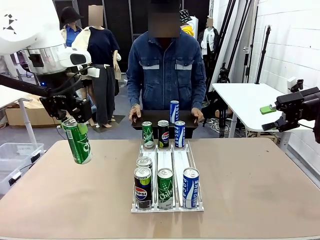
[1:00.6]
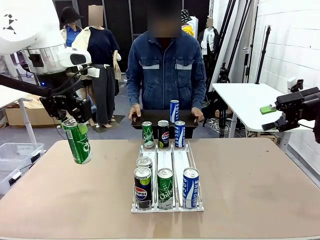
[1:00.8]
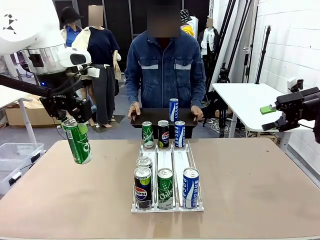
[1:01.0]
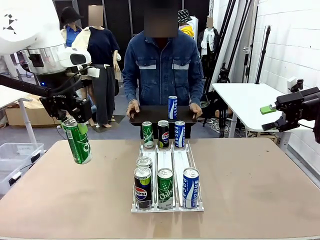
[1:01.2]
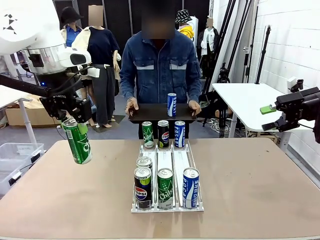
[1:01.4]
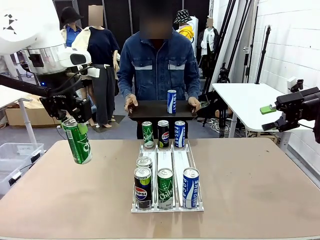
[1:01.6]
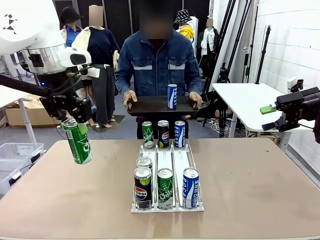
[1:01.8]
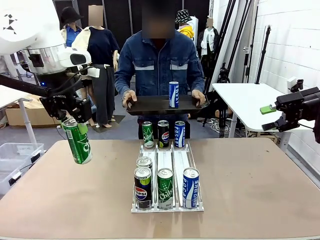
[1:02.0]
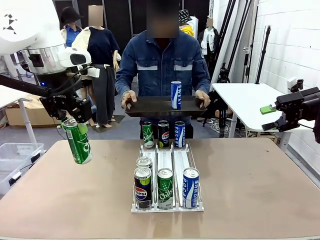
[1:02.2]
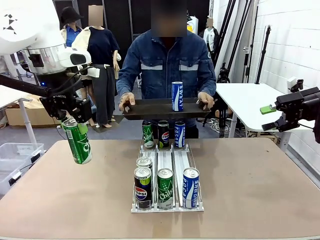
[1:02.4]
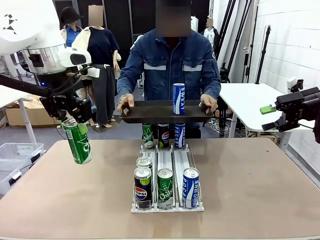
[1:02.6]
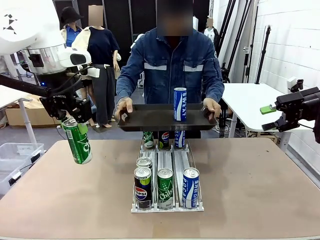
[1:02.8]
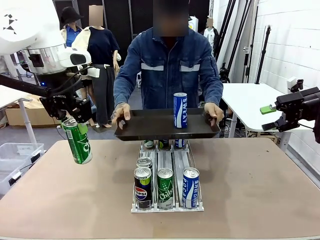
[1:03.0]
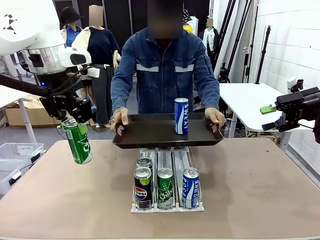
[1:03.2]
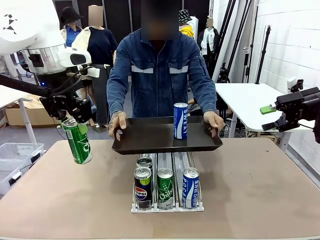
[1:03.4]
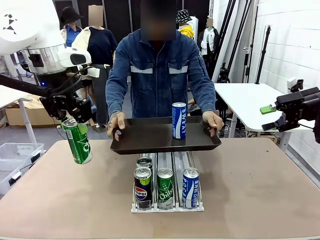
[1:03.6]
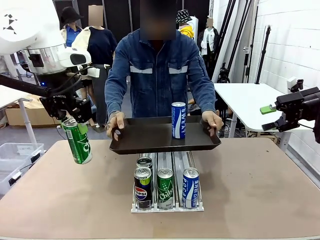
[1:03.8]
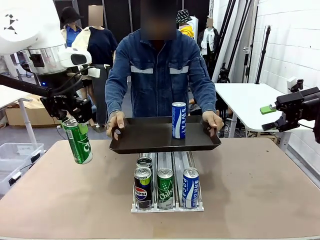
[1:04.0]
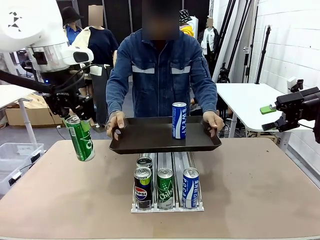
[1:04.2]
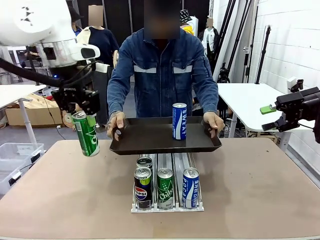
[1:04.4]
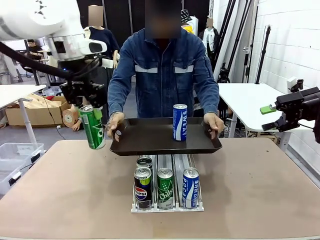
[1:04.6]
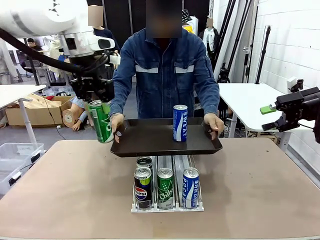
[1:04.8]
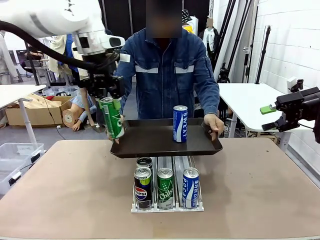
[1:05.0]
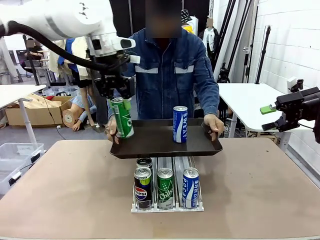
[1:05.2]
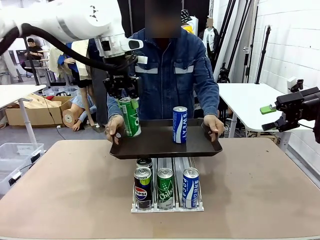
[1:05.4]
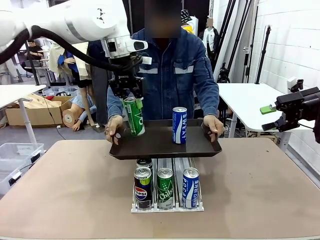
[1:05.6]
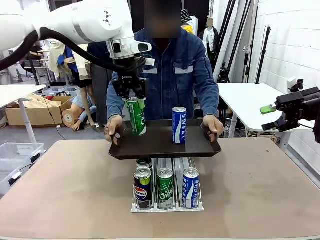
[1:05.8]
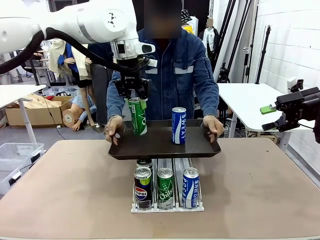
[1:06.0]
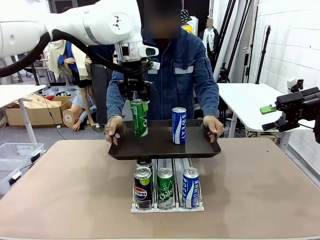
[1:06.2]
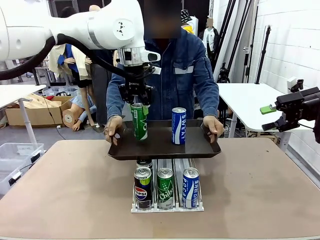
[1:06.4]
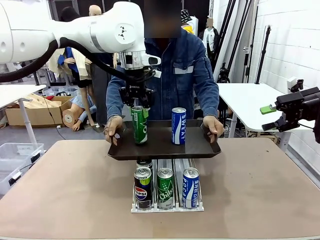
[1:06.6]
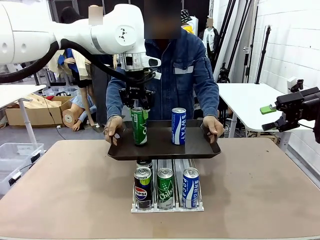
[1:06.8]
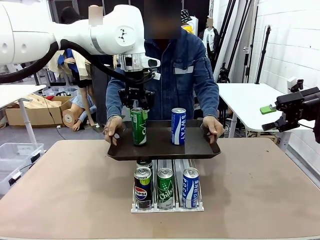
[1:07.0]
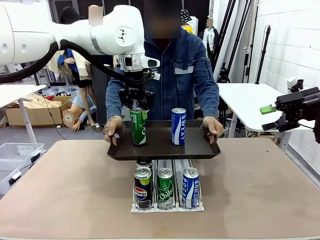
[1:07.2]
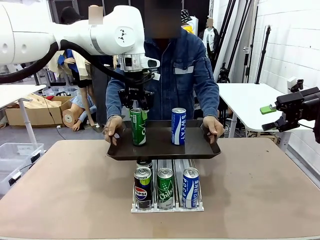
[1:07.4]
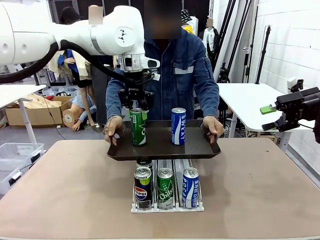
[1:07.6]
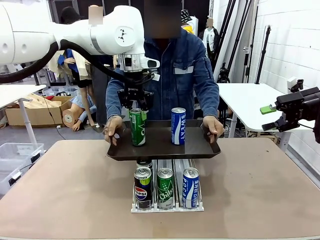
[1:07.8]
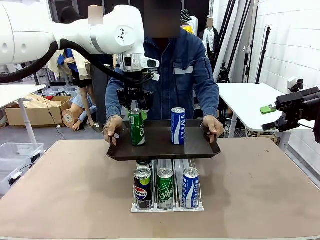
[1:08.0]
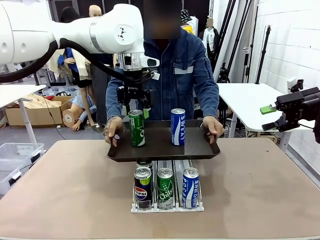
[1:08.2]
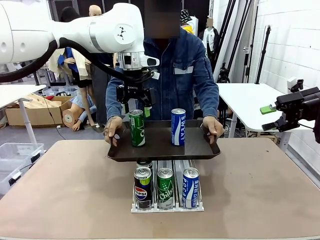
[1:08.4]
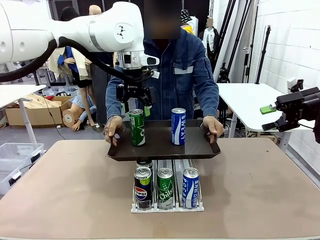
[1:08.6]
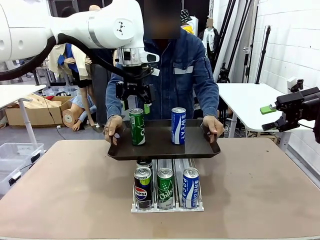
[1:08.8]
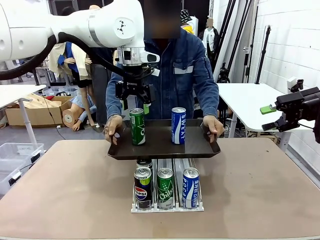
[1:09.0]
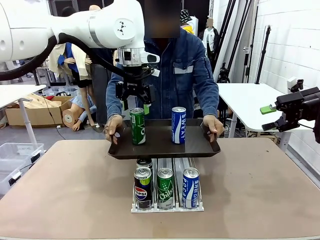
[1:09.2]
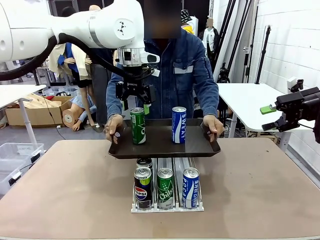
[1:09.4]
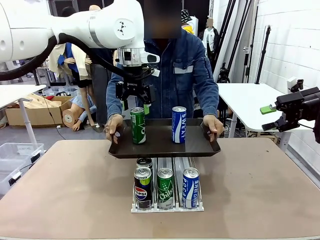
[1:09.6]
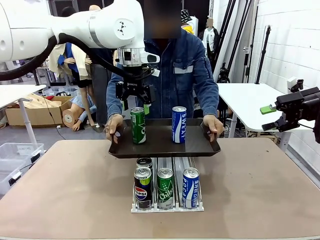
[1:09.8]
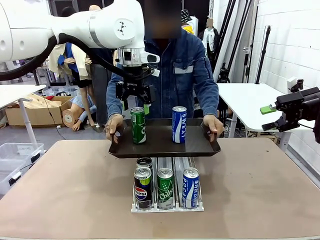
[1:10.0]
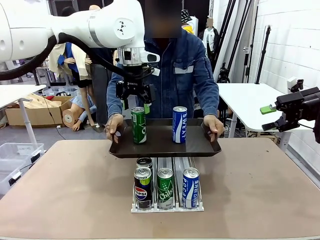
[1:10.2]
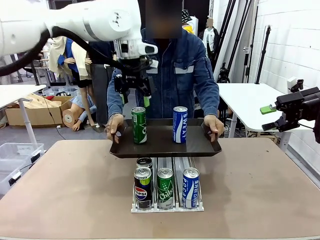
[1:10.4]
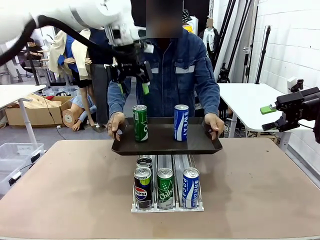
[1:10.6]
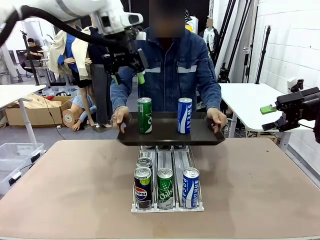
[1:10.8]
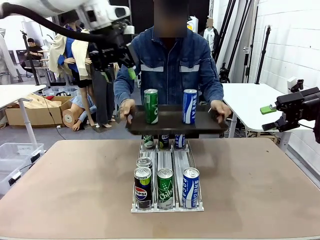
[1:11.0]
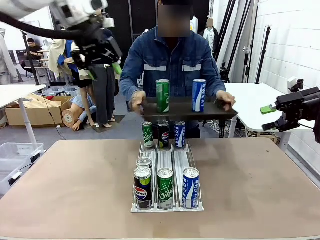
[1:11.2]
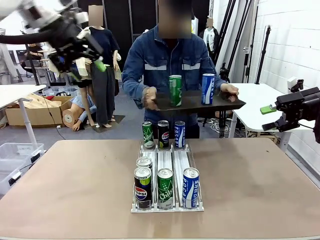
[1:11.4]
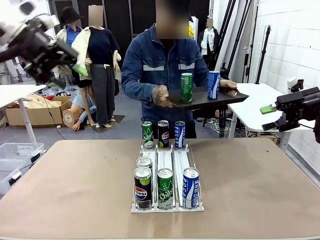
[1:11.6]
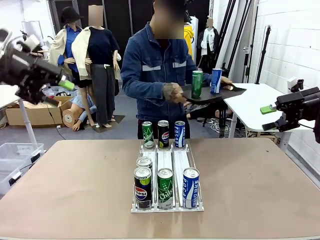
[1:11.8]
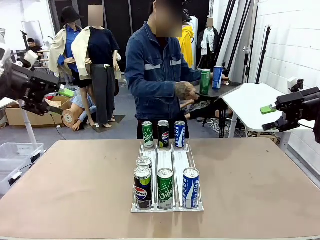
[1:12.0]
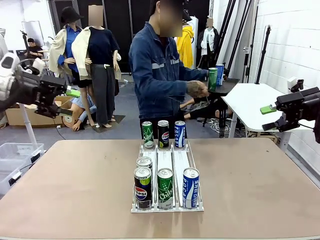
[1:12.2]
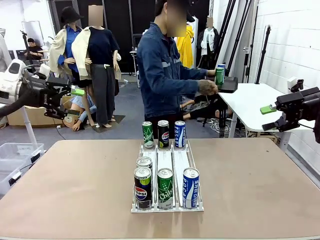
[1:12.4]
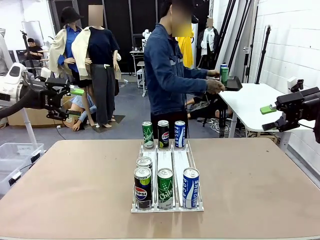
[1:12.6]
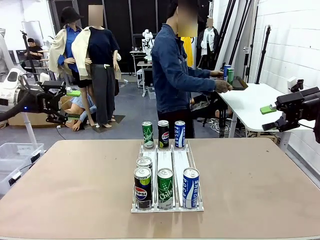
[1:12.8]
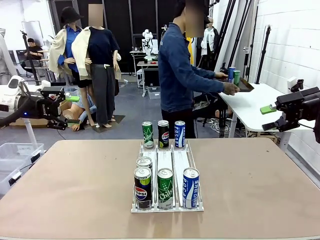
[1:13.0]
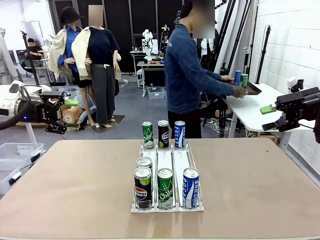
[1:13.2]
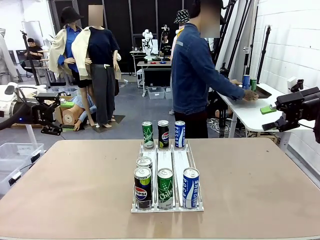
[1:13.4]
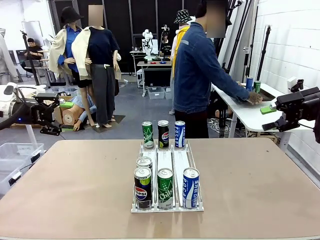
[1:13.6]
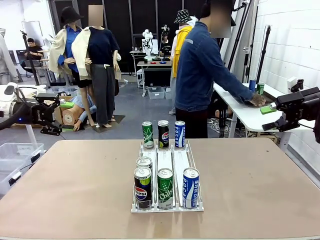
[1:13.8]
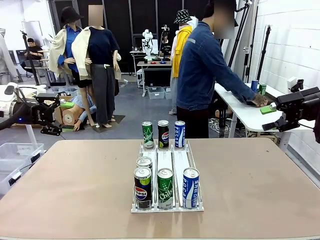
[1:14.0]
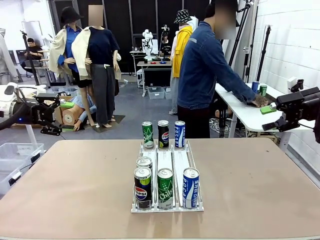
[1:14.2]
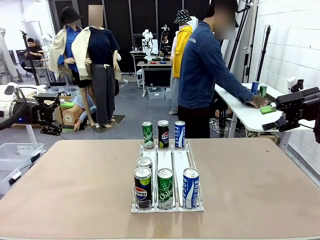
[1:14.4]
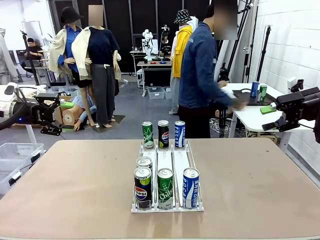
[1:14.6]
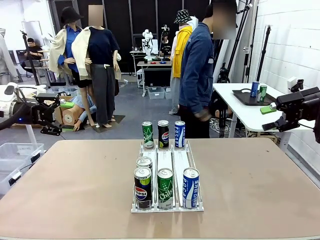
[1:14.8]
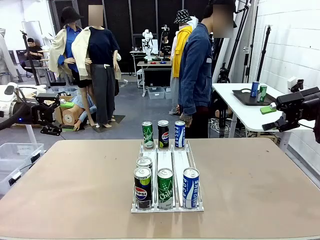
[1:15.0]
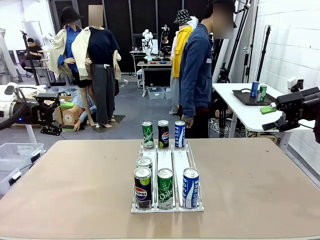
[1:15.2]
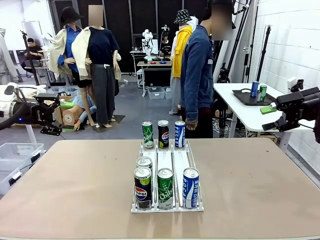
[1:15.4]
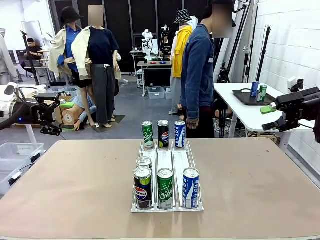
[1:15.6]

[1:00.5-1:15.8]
Task: Retrieve and hand over the desired beverage to the person.
Robot: Place the picked can on the Handle tray extended by the person.
Person: Pull the tray back and place it at the center of the human table.

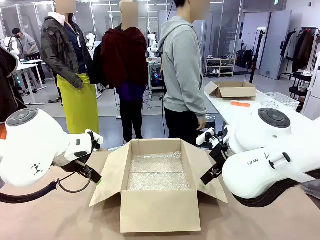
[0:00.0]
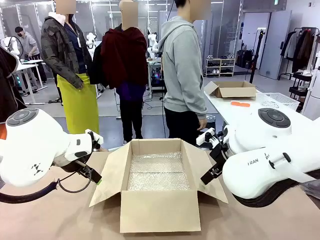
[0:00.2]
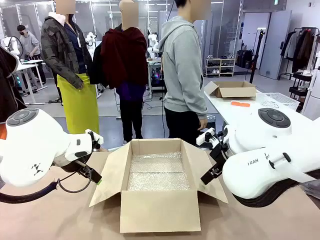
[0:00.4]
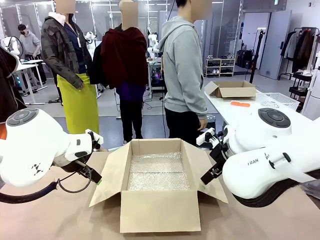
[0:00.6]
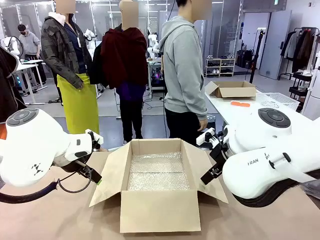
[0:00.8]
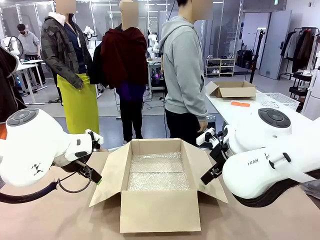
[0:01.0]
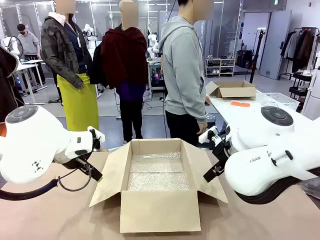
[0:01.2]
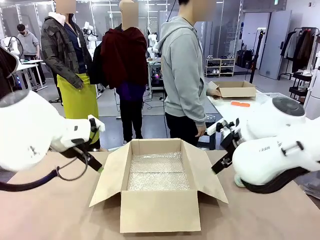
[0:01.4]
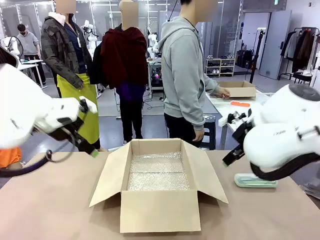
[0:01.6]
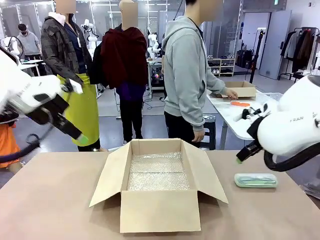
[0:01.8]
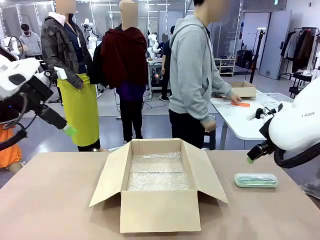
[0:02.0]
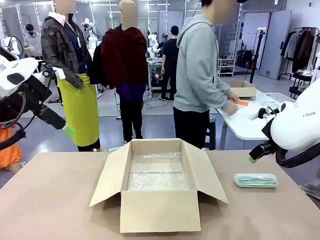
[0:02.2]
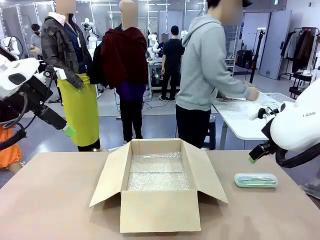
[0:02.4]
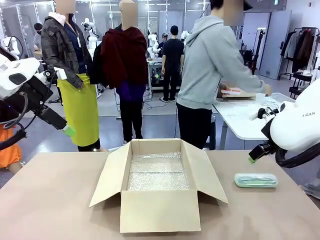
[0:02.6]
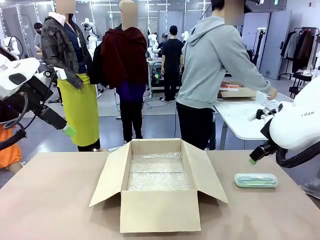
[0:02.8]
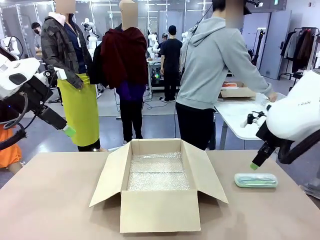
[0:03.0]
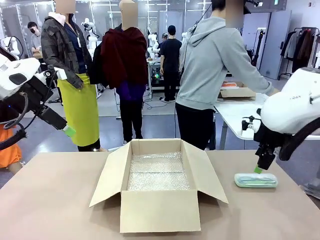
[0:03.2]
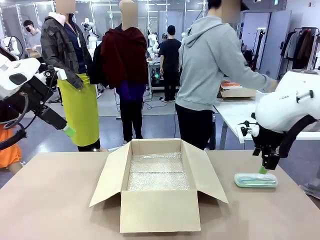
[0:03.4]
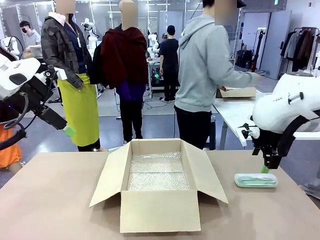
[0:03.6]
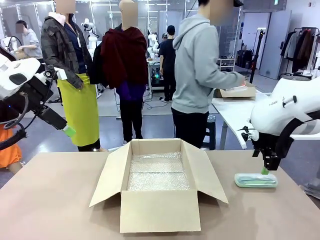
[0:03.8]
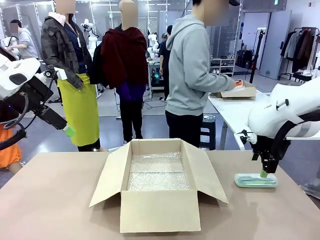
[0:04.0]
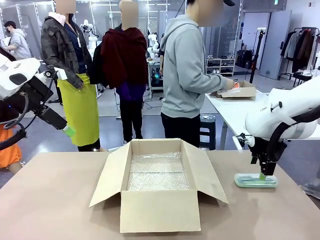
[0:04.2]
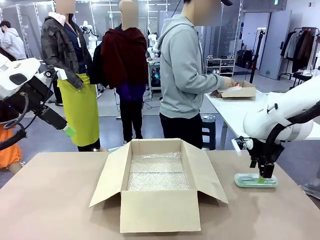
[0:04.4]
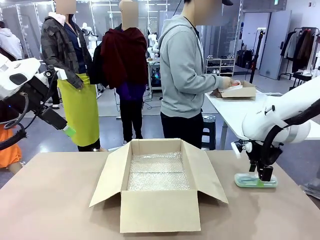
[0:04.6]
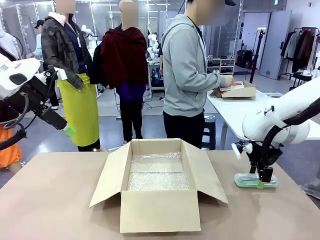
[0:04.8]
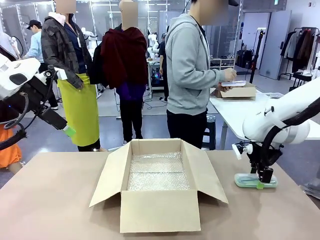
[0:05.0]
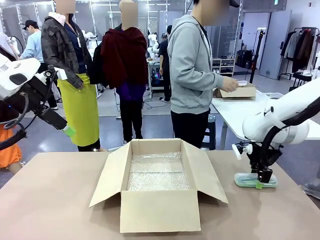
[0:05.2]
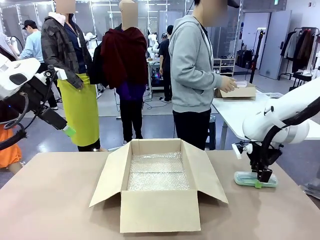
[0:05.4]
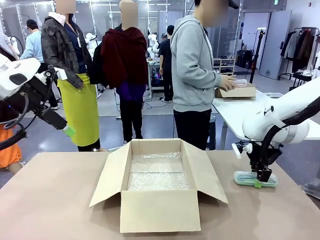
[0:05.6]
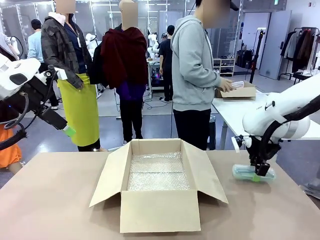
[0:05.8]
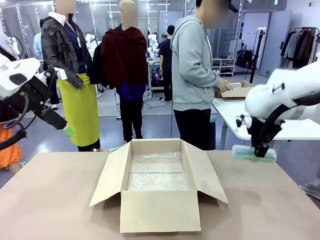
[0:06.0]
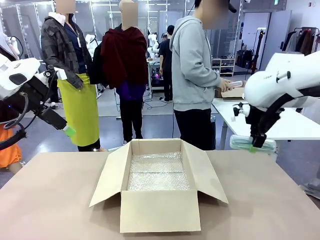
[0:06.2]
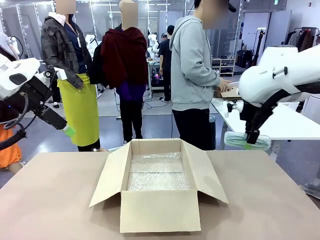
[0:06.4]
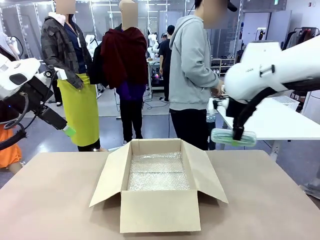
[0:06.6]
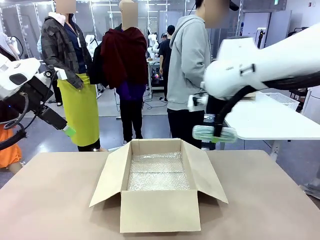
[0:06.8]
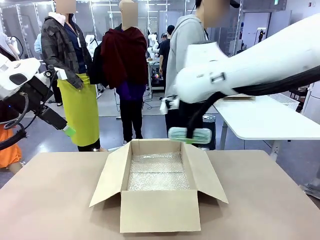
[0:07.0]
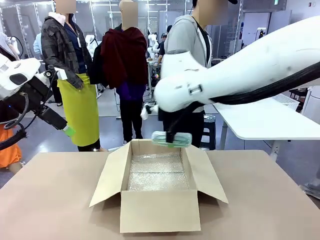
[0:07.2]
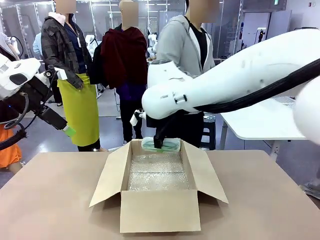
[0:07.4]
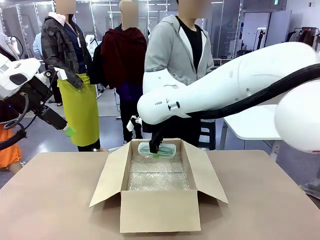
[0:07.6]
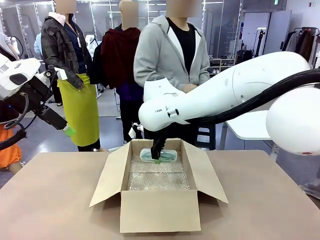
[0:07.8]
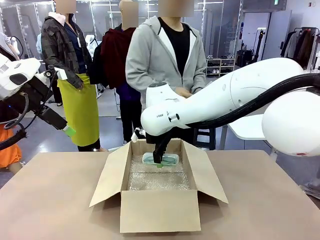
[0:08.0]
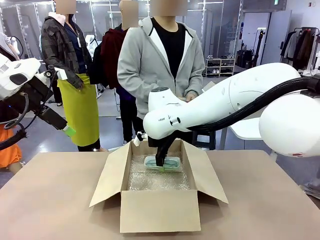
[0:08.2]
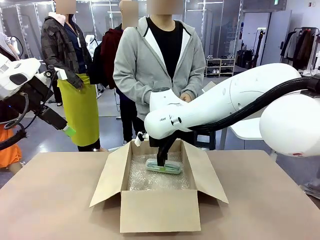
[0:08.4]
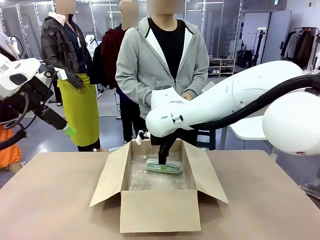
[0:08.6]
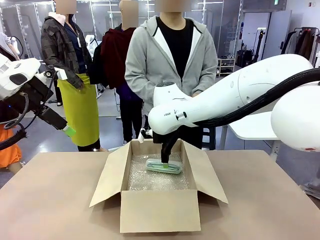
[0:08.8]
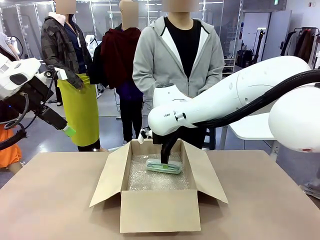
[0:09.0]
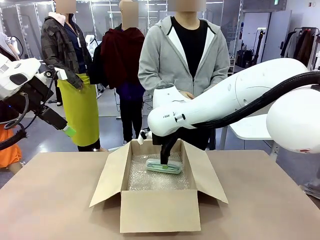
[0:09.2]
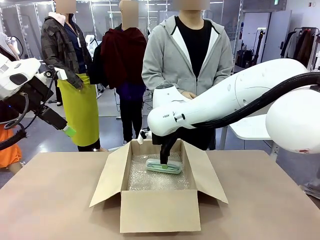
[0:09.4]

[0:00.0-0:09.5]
Task: Pack the glasses set securely to prepare it for shipping.
Robot: Place the Glasses case inside the Package Box.
Person: Place the Glasses inside the Glasses case.
